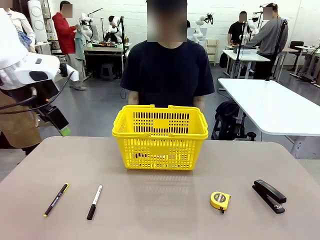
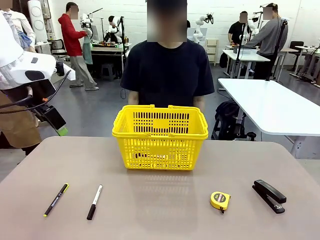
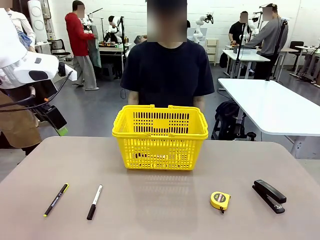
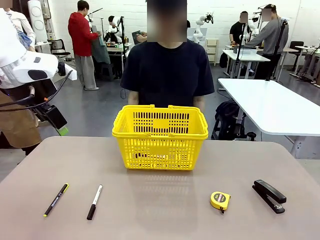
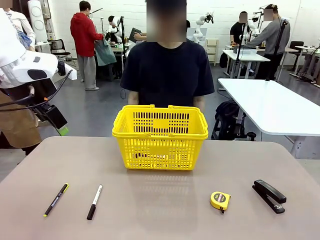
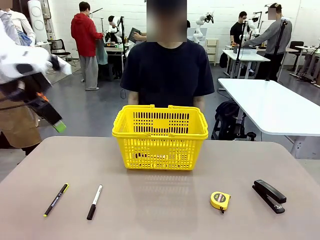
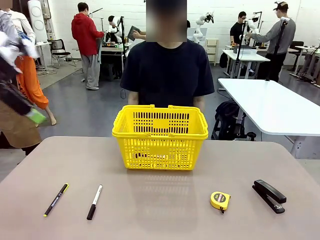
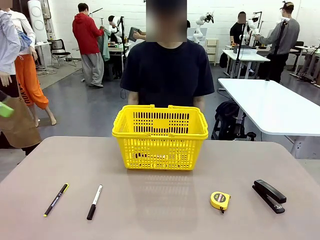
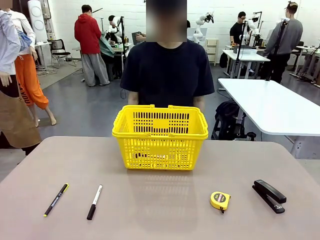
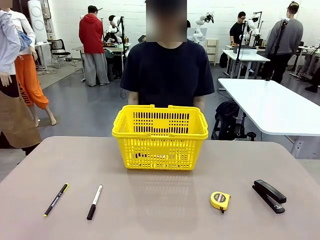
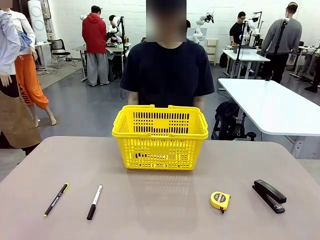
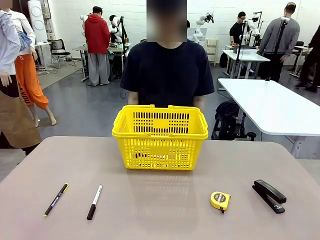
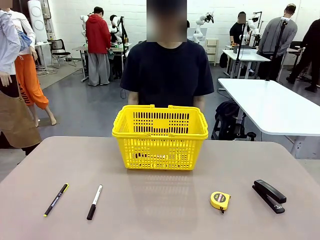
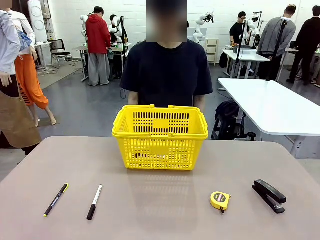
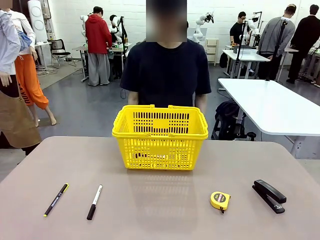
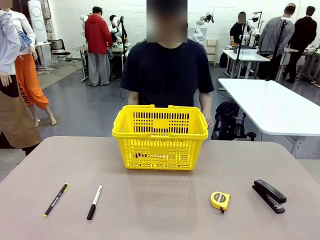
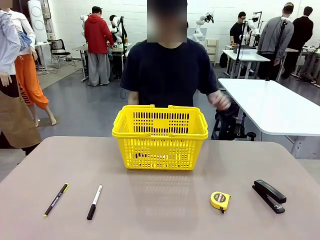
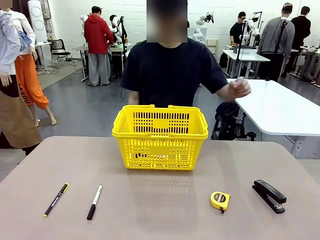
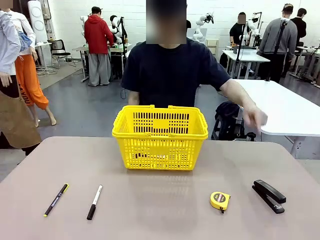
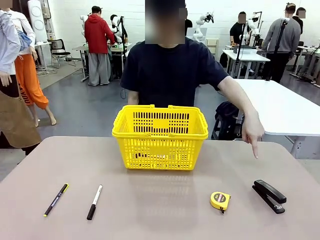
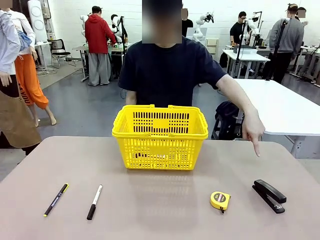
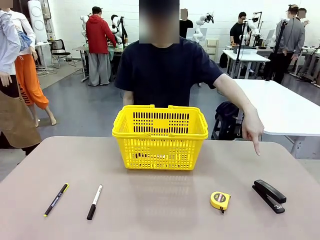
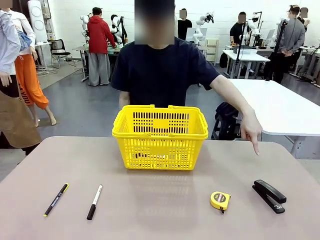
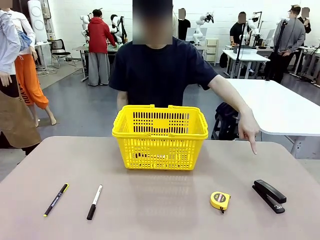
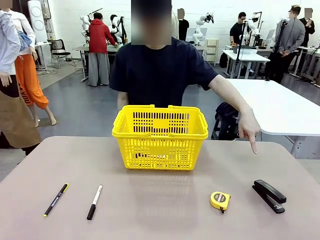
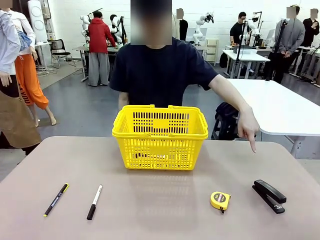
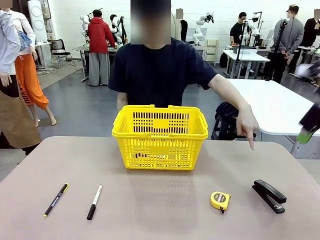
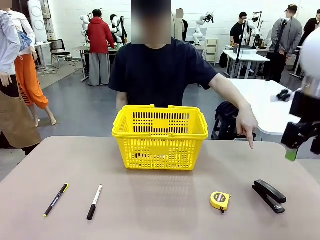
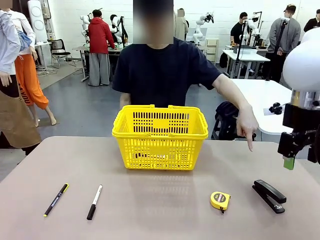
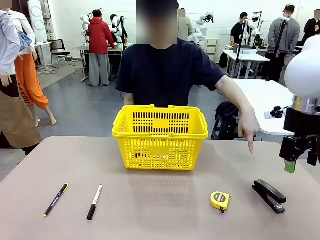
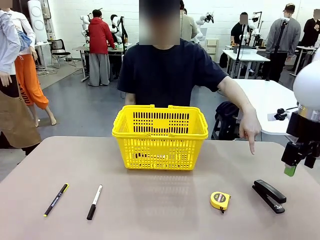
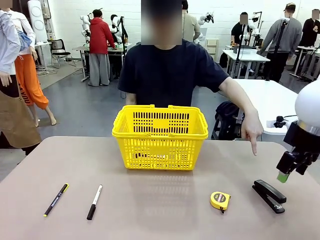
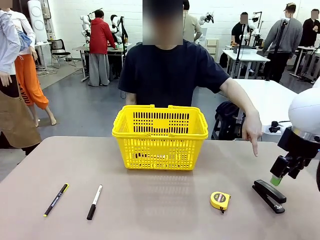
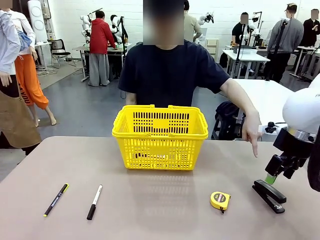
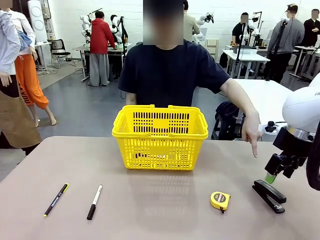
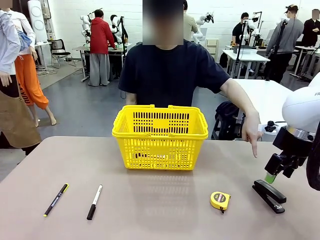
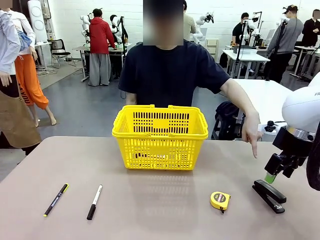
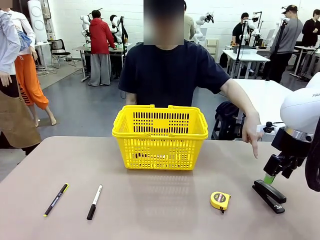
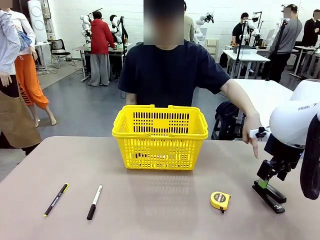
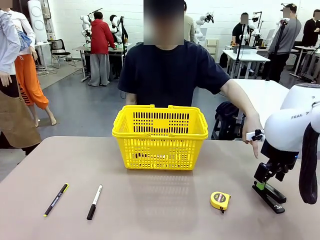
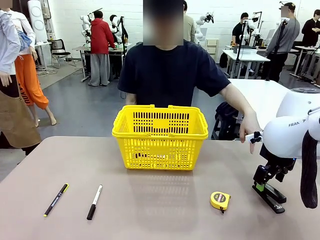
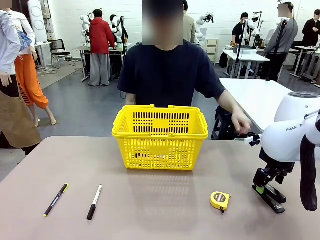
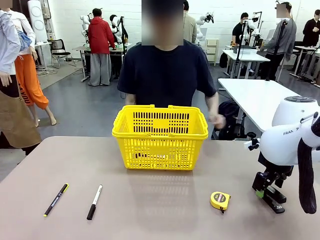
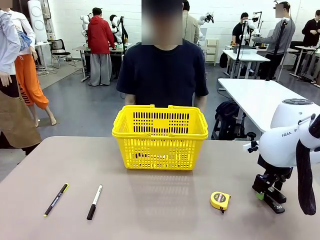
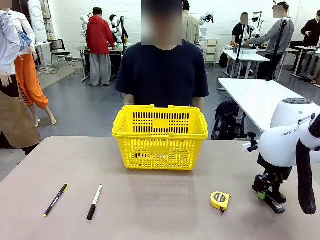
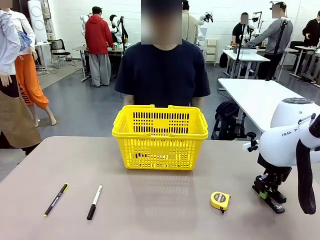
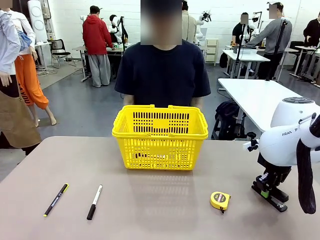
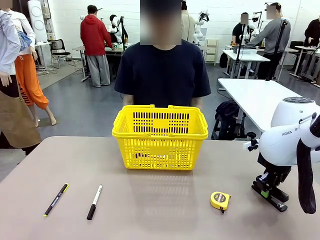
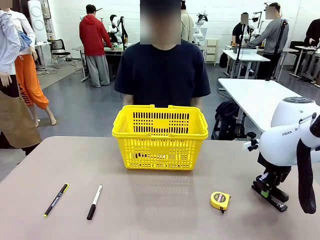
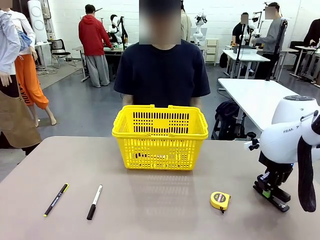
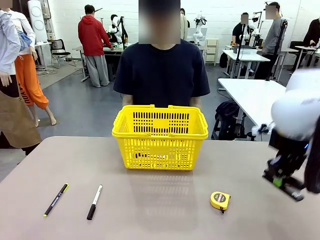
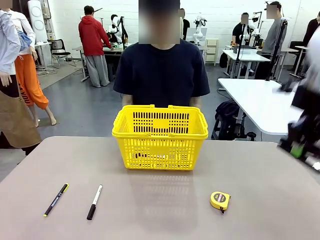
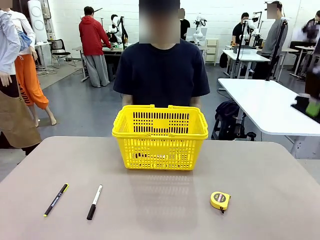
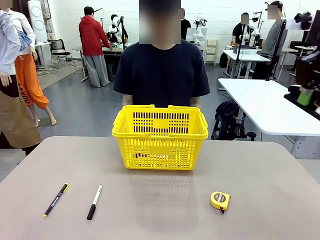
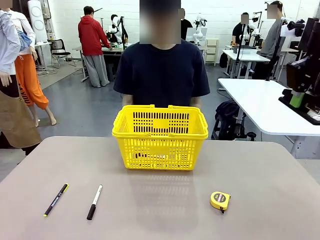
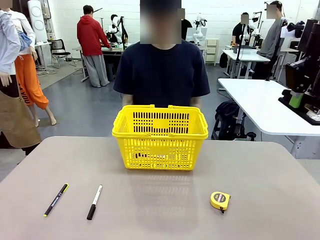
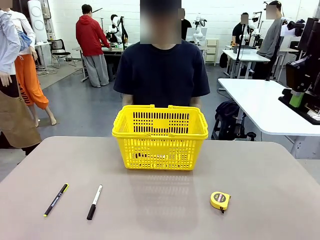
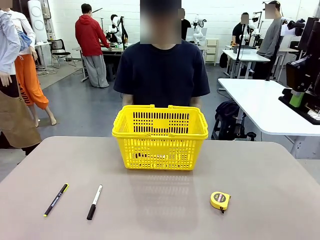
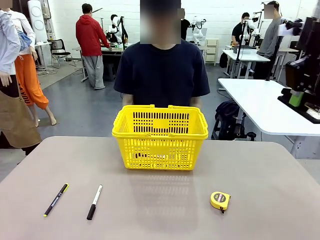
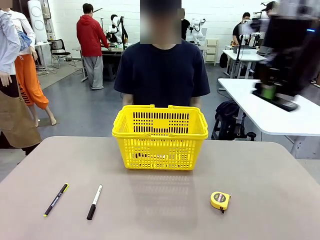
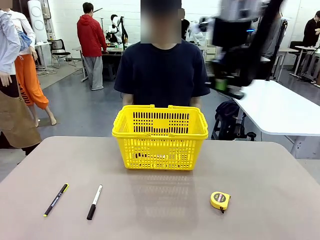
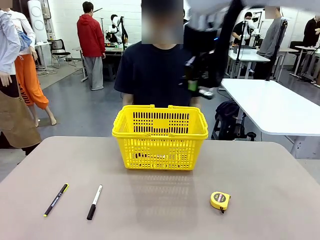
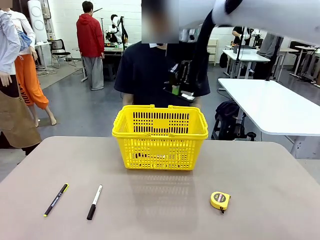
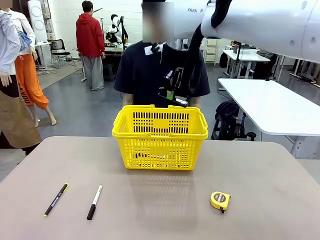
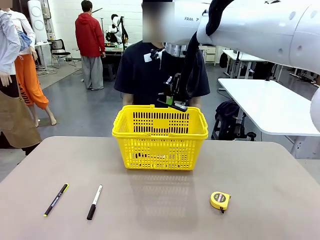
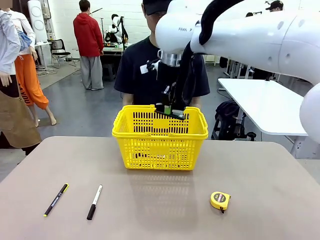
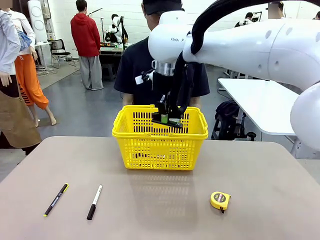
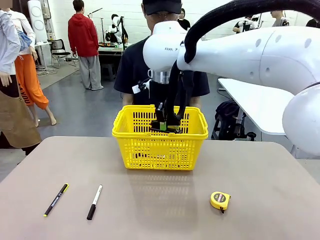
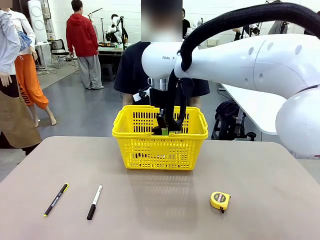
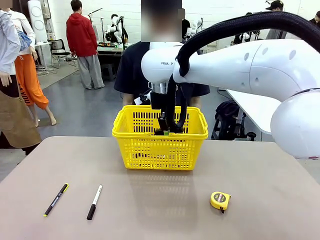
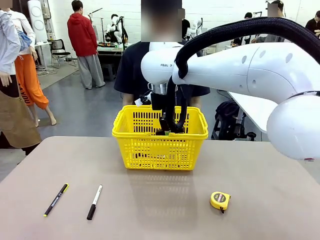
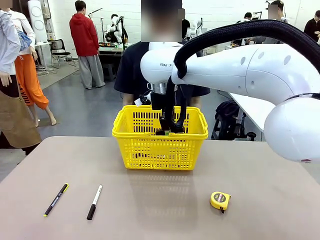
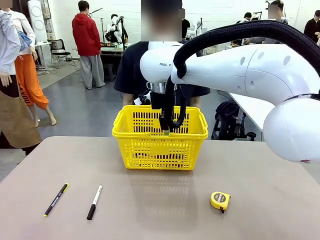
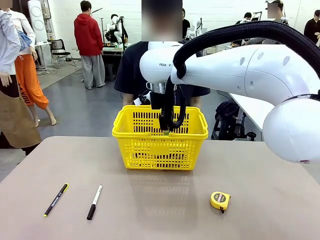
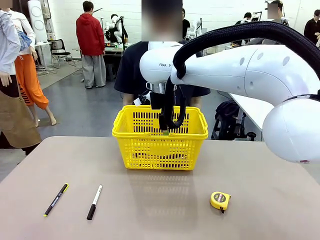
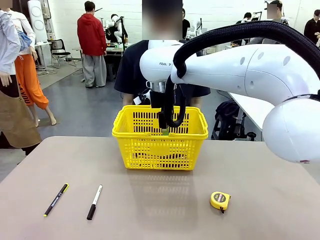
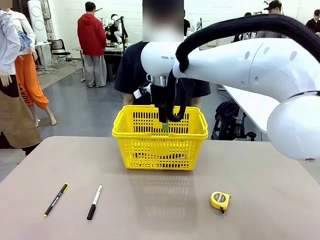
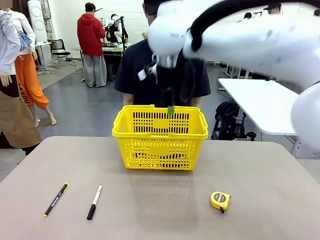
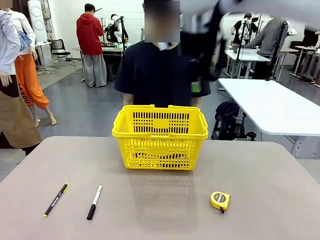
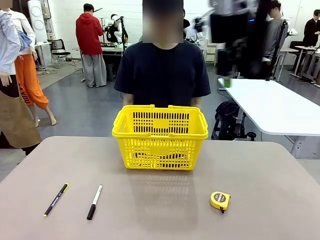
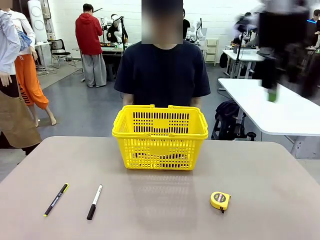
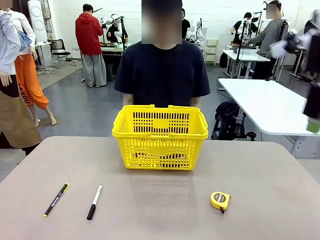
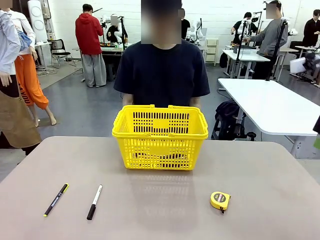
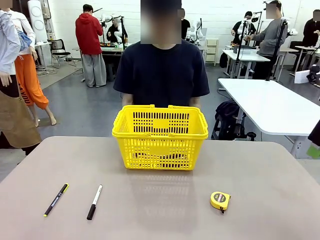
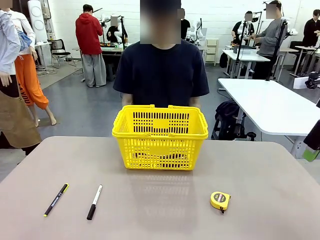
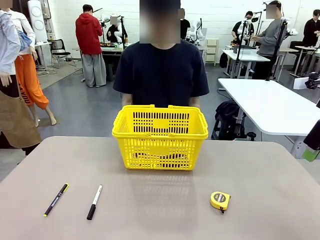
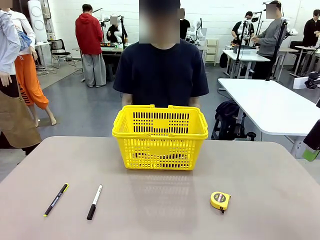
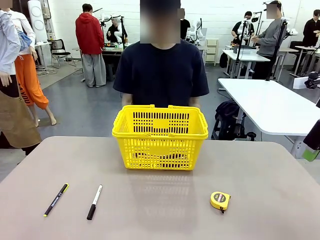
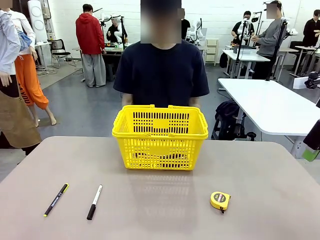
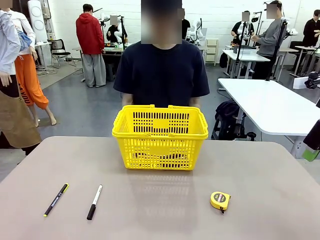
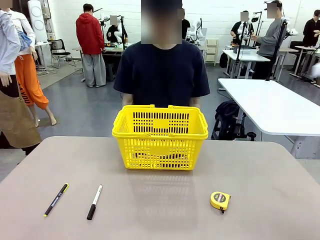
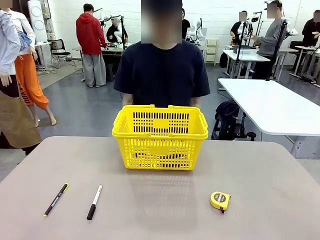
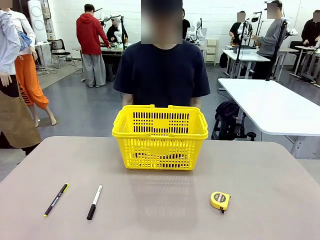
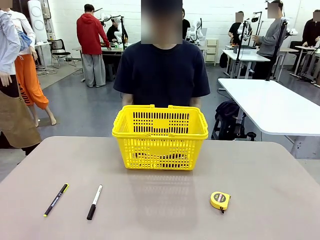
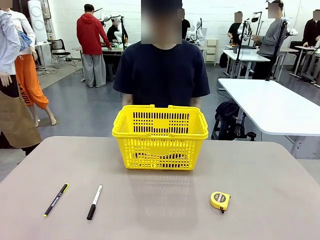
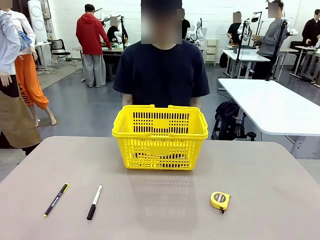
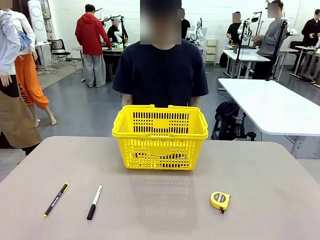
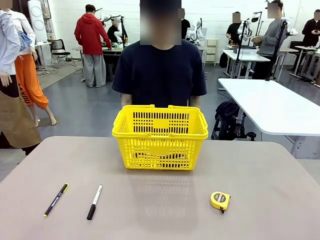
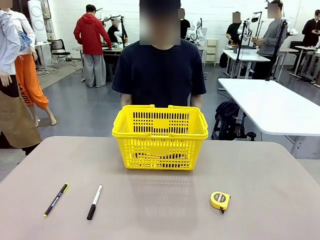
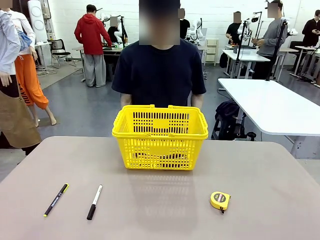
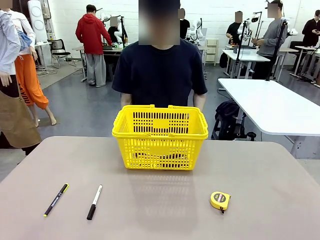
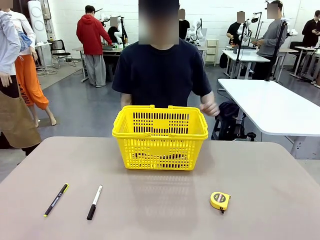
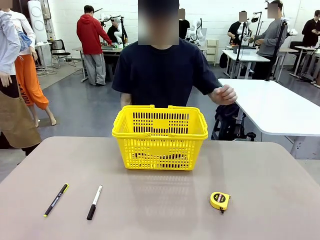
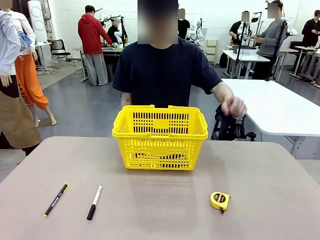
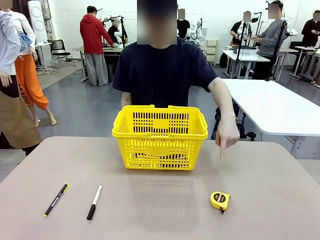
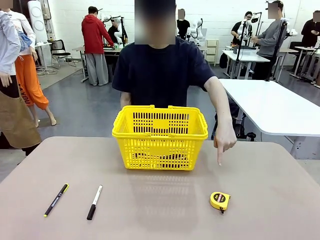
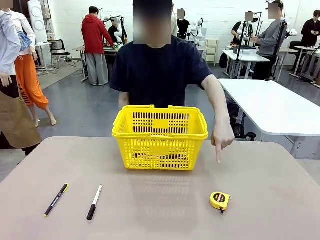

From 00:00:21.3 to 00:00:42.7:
Task: Place the items the person wants into the basket.
Robot: Pick up the item the person points to and place it in the Market Basket.
